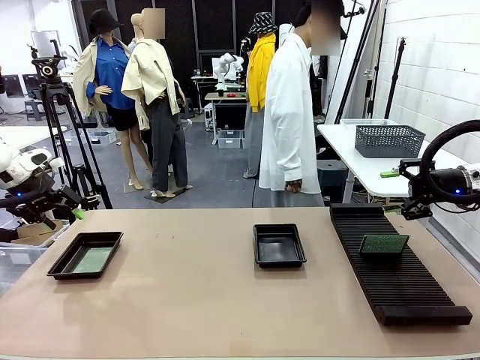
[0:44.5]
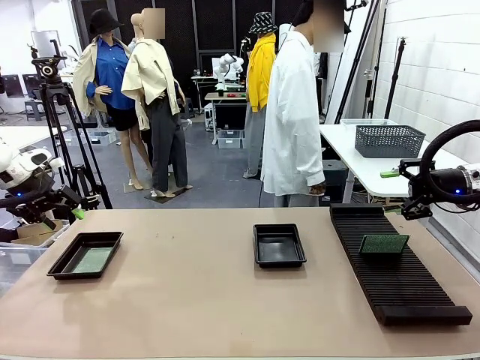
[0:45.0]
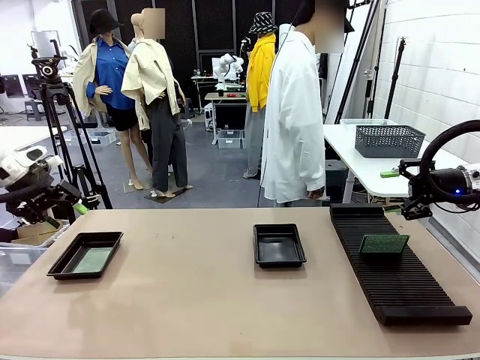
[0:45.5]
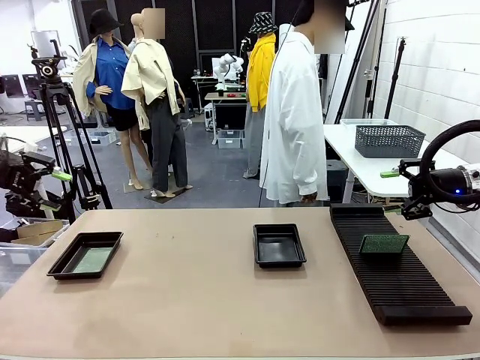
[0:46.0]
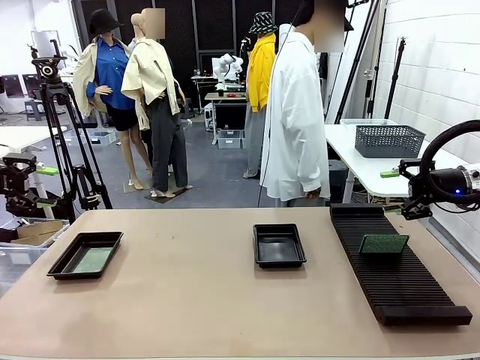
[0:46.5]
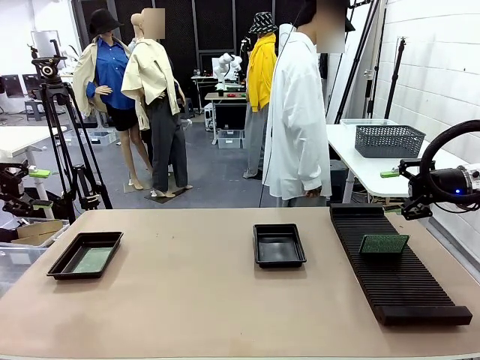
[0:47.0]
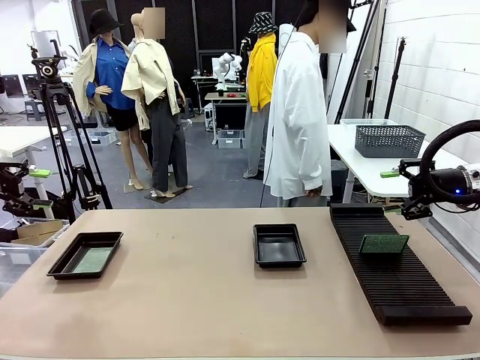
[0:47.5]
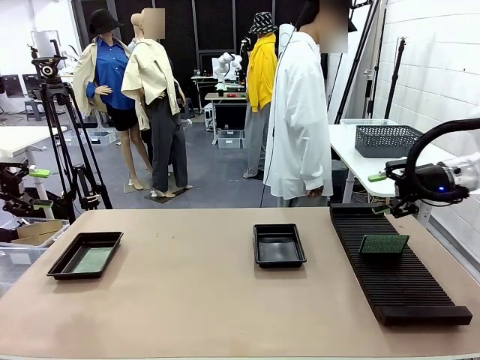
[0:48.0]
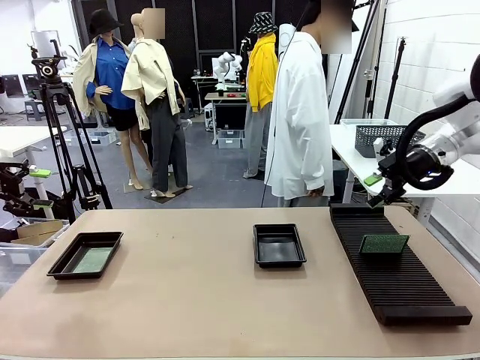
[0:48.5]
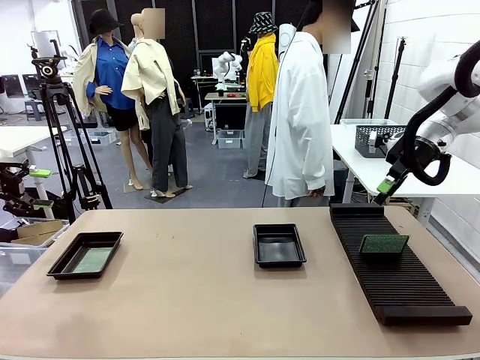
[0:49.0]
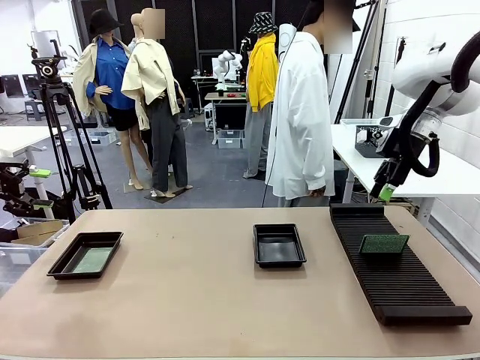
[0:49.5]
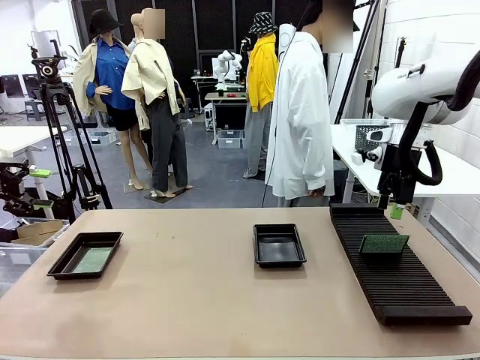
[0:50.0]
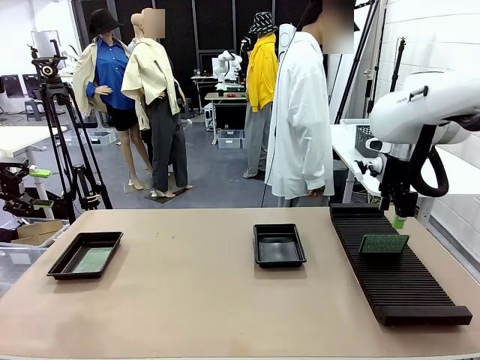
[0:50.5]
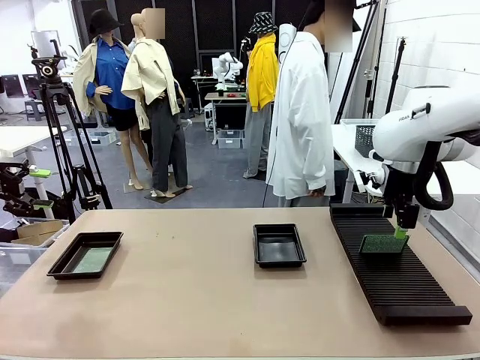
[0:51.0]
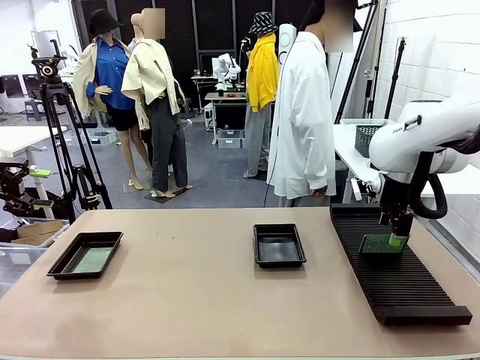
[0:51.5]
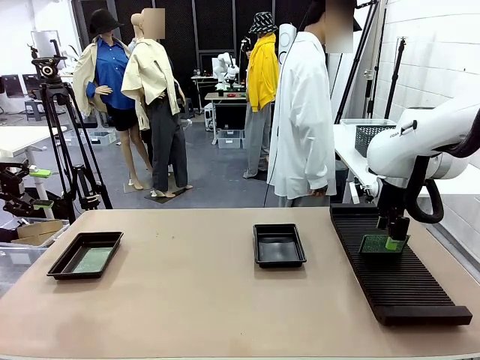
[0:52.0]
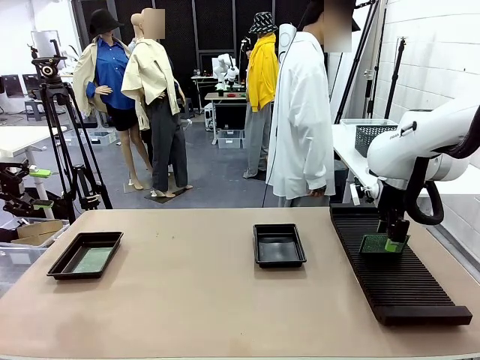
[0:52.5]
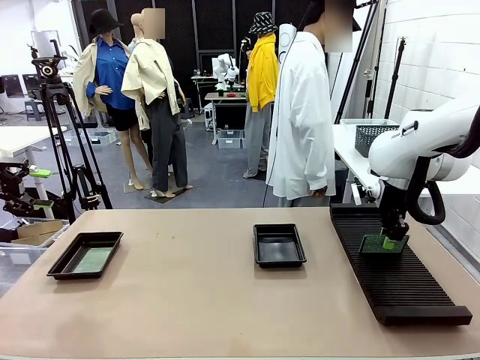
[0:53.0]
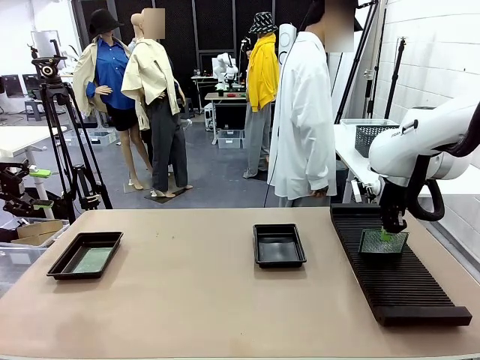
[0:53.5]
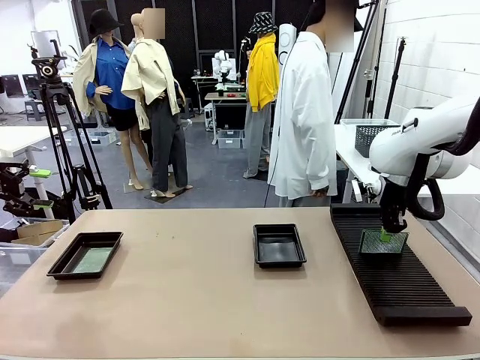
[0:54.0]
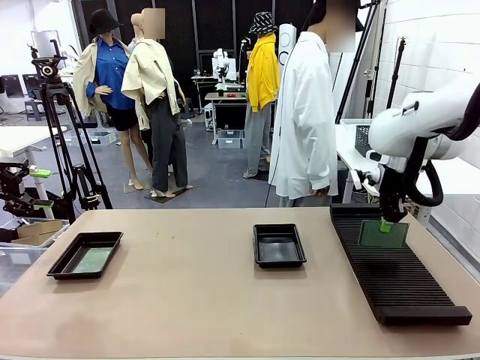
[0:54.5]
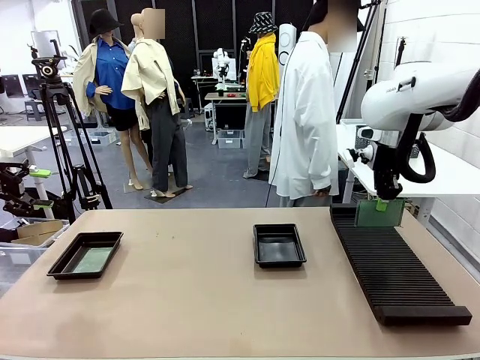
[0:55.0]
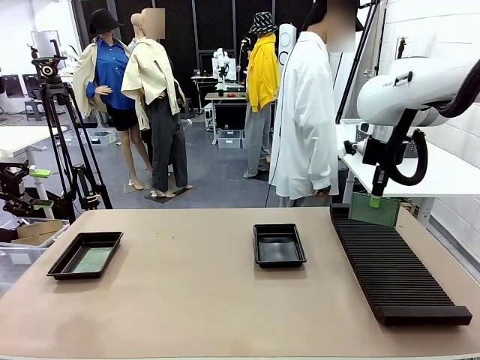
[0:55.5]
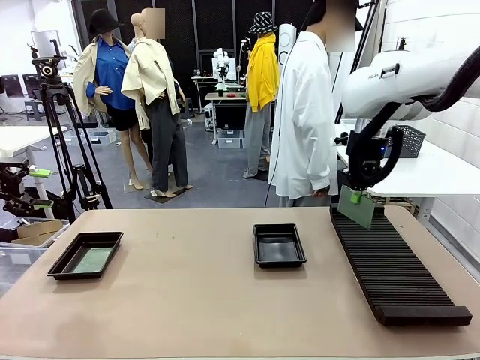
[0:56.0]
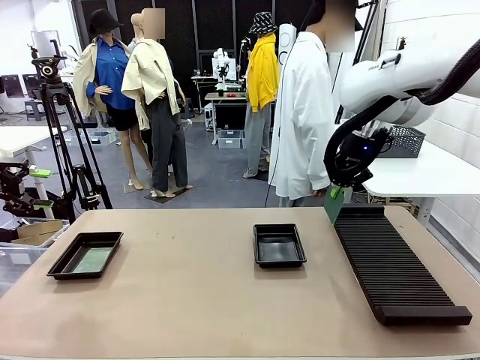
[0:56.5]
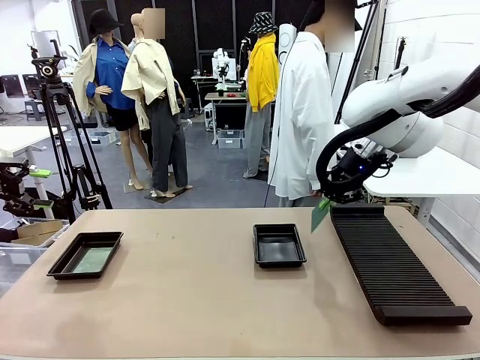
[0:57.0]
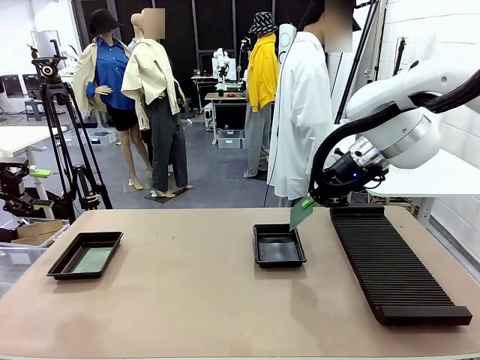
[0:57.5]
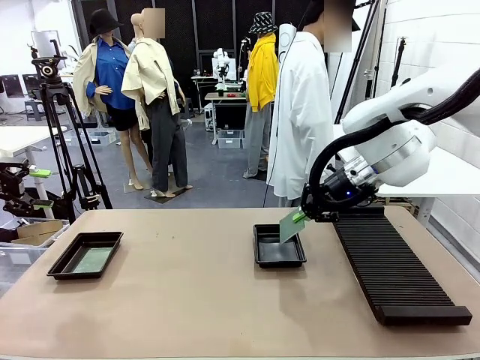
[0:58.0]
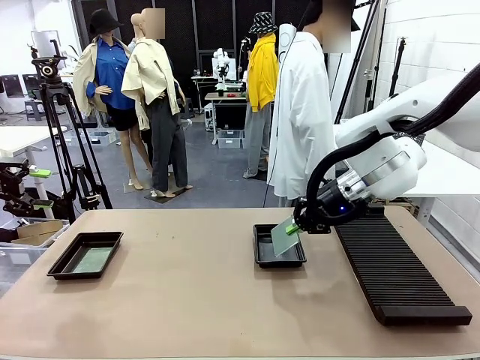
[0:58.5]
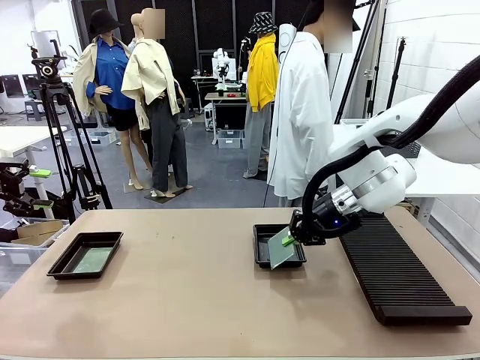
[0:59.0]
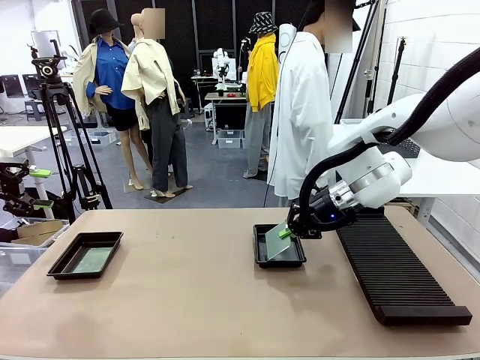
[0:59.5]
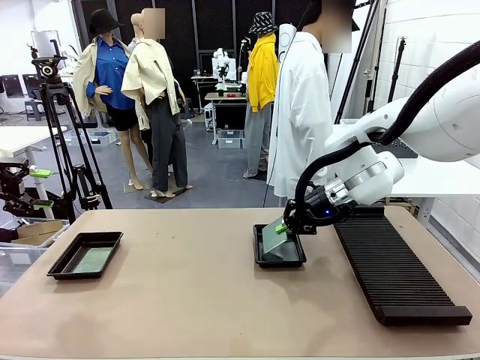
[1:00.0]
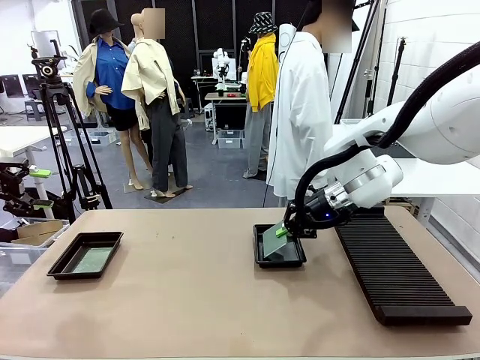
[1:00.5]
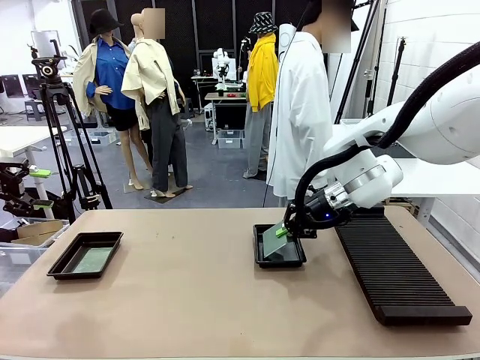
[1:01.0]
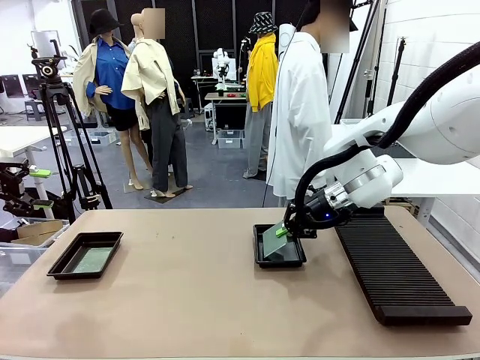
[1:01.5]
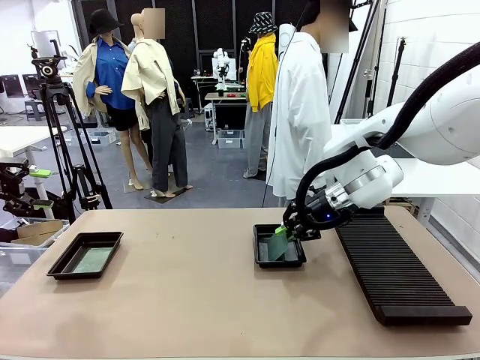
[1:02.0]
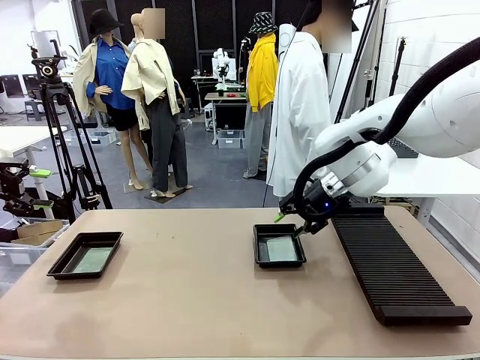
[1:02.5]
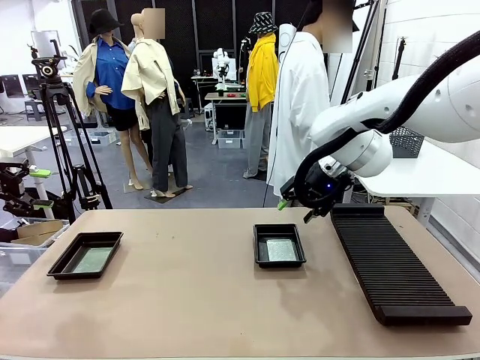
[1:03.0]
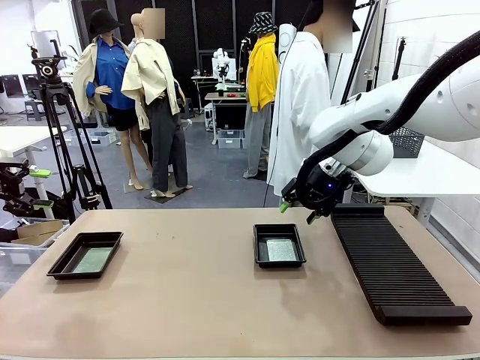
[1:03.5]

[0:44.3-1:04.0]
Task: Inspect and transfer BCBs to ESD trays.
Robot: Pick up the Blank PCB from the PCB Rack and place it in the right ESD tray.
